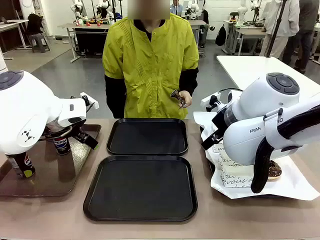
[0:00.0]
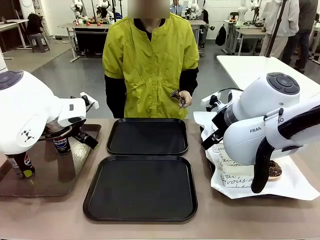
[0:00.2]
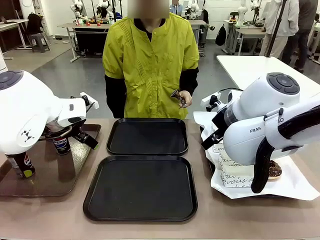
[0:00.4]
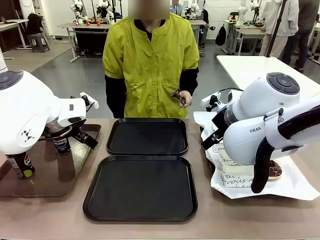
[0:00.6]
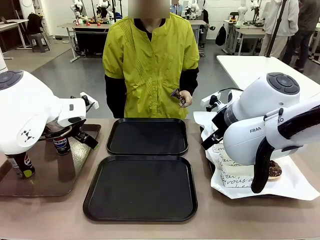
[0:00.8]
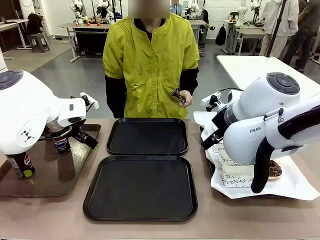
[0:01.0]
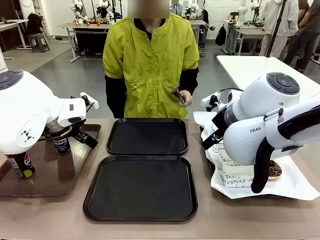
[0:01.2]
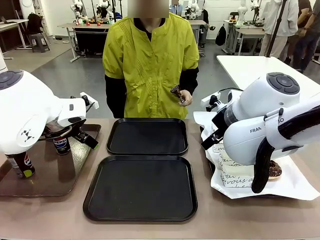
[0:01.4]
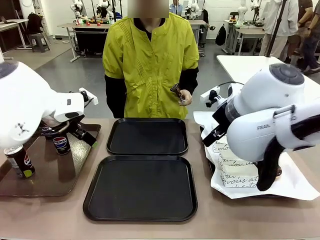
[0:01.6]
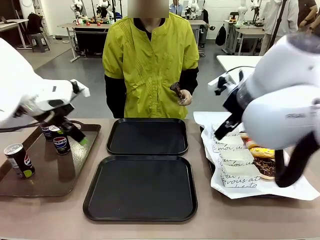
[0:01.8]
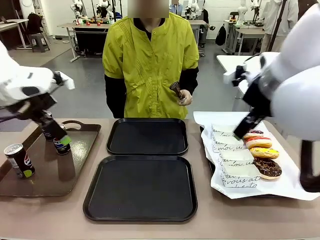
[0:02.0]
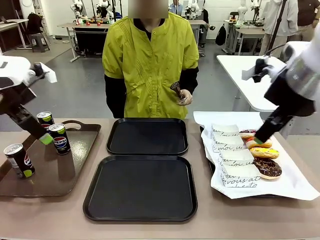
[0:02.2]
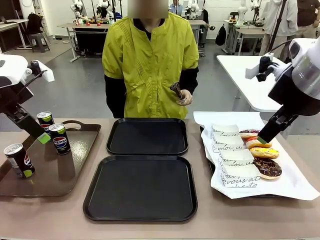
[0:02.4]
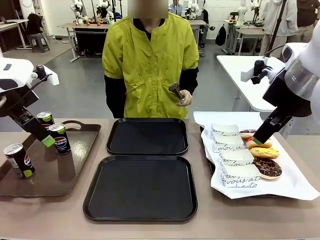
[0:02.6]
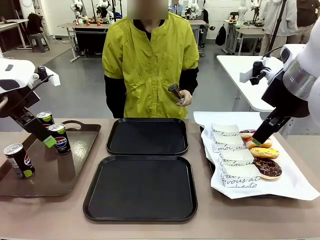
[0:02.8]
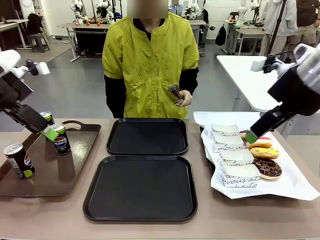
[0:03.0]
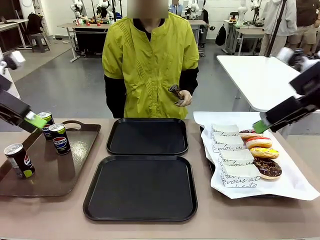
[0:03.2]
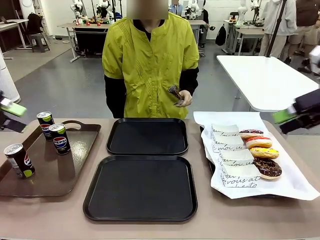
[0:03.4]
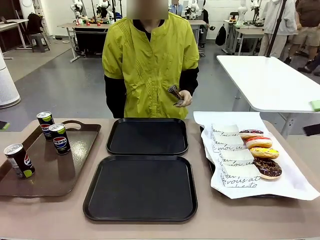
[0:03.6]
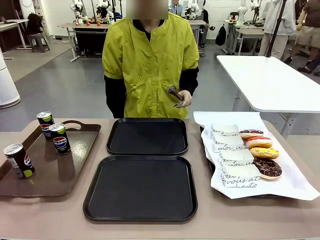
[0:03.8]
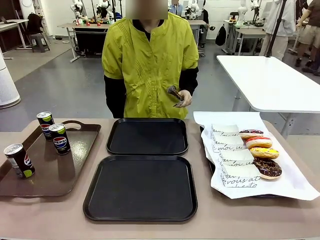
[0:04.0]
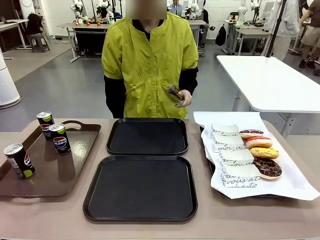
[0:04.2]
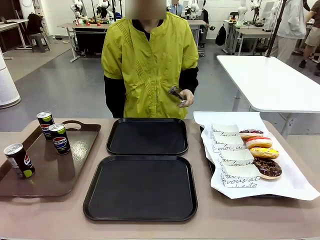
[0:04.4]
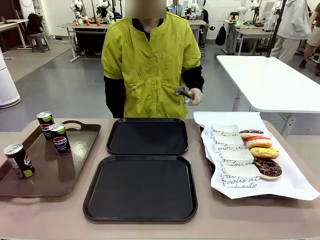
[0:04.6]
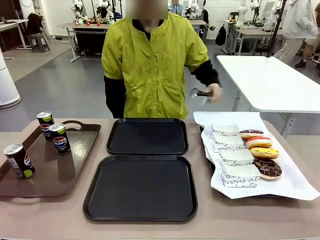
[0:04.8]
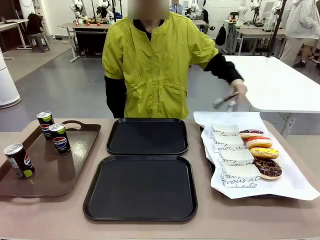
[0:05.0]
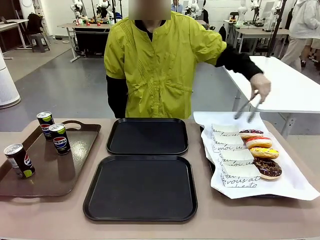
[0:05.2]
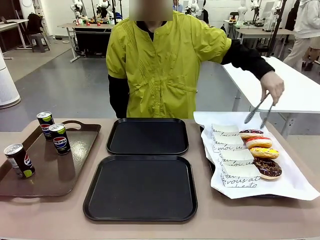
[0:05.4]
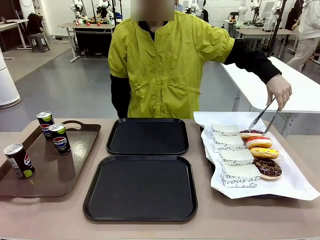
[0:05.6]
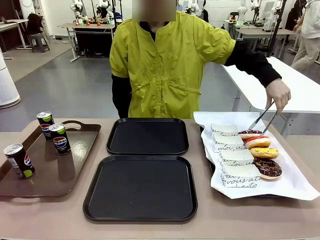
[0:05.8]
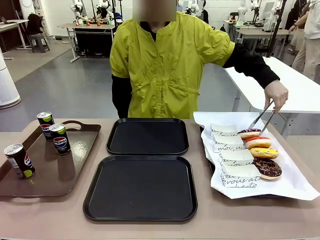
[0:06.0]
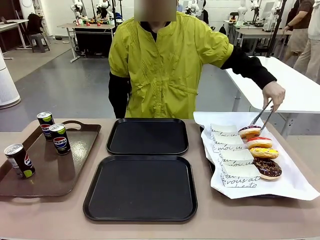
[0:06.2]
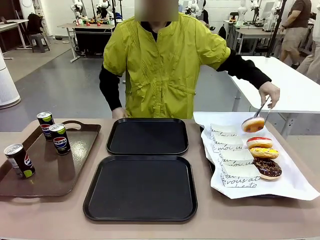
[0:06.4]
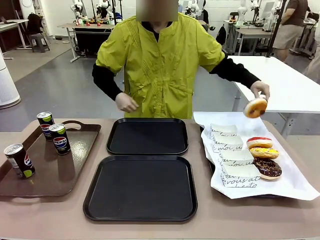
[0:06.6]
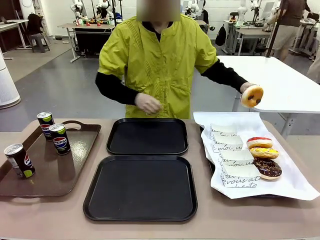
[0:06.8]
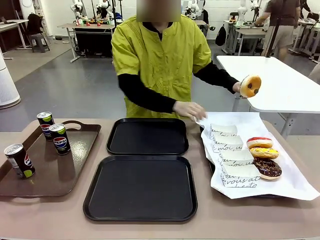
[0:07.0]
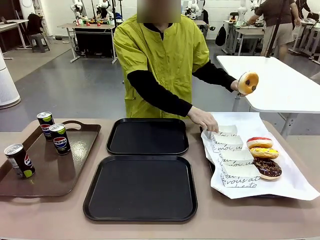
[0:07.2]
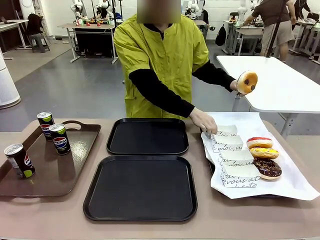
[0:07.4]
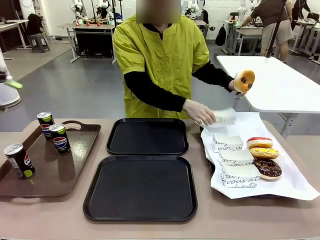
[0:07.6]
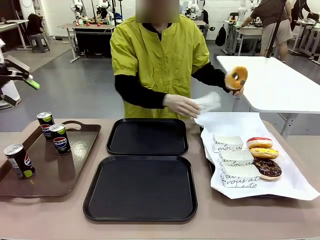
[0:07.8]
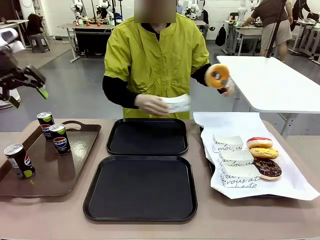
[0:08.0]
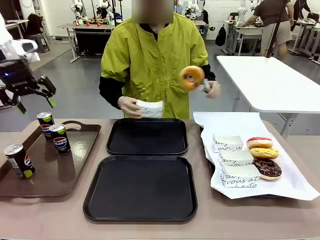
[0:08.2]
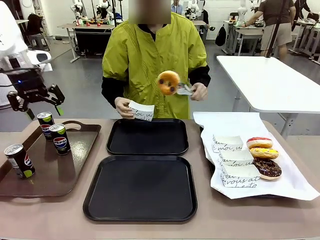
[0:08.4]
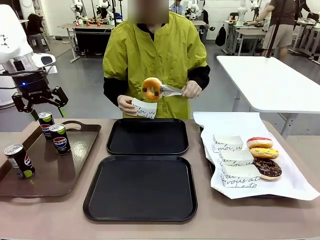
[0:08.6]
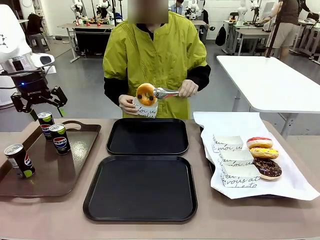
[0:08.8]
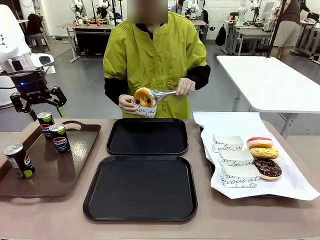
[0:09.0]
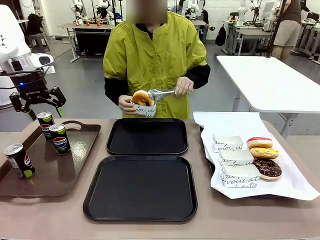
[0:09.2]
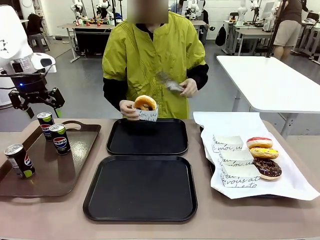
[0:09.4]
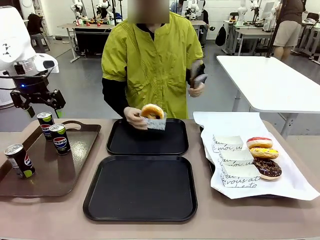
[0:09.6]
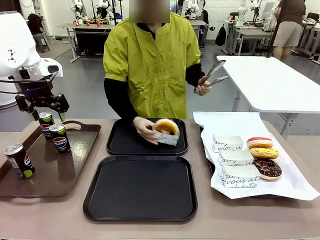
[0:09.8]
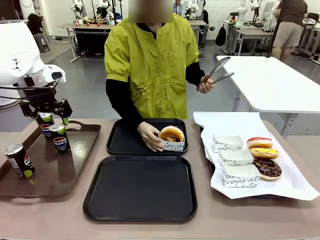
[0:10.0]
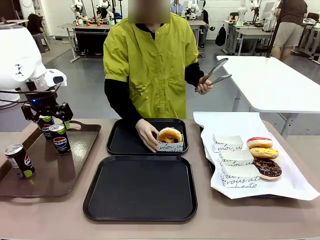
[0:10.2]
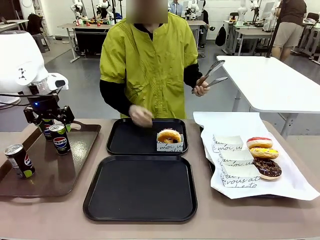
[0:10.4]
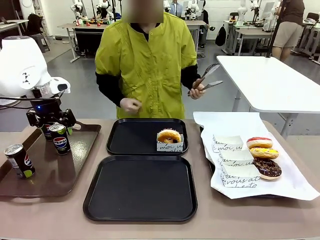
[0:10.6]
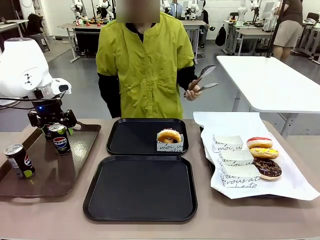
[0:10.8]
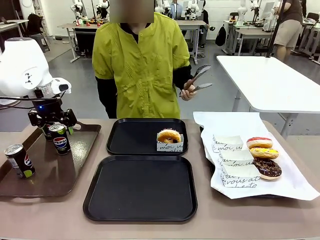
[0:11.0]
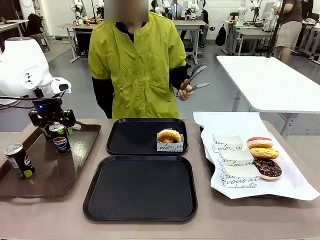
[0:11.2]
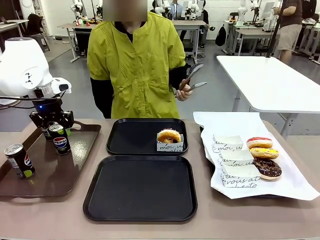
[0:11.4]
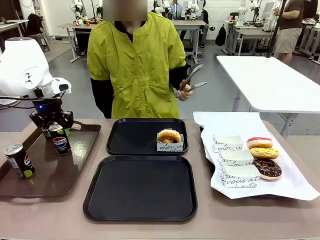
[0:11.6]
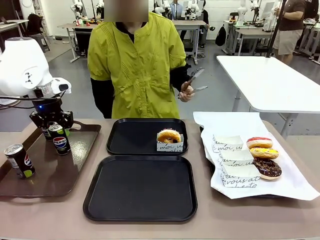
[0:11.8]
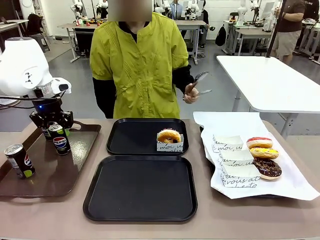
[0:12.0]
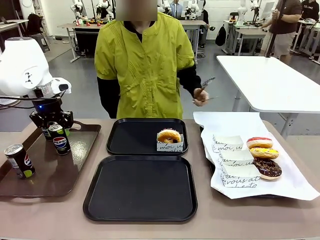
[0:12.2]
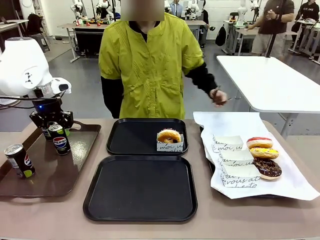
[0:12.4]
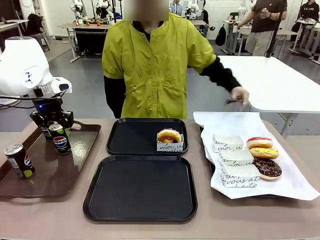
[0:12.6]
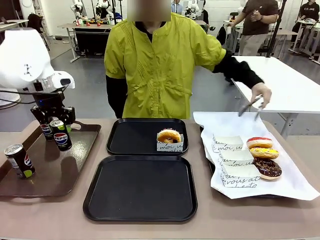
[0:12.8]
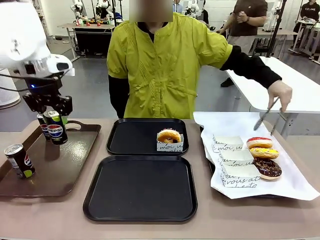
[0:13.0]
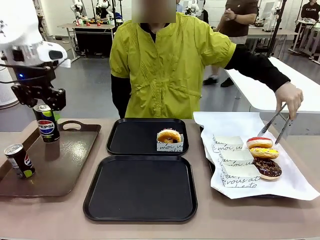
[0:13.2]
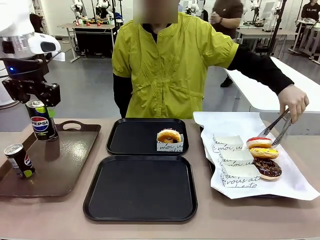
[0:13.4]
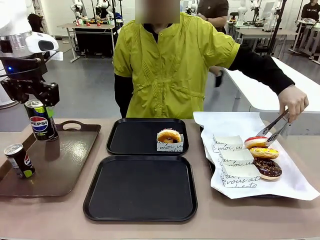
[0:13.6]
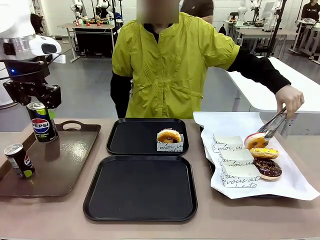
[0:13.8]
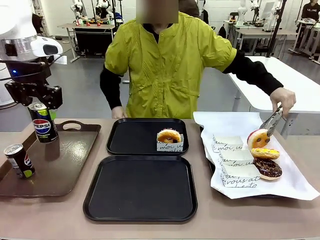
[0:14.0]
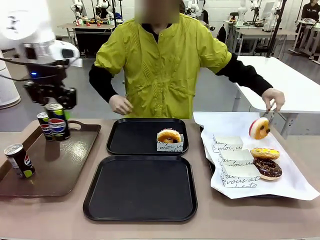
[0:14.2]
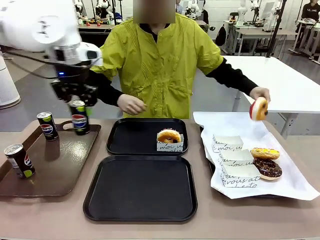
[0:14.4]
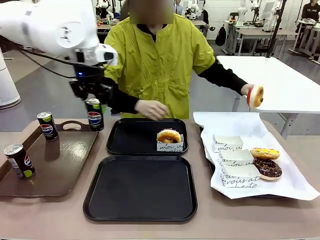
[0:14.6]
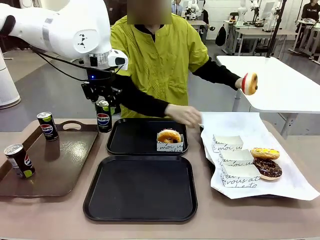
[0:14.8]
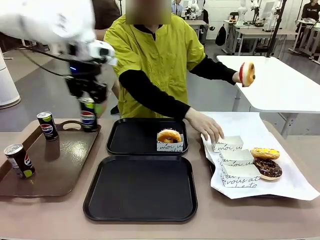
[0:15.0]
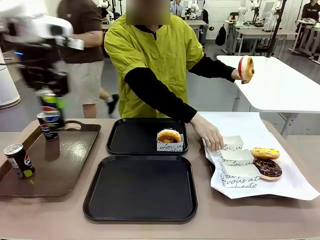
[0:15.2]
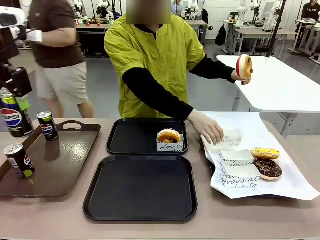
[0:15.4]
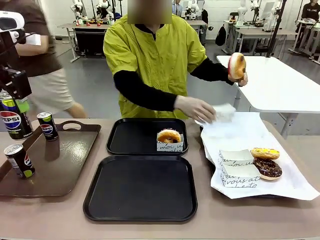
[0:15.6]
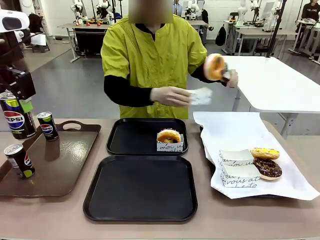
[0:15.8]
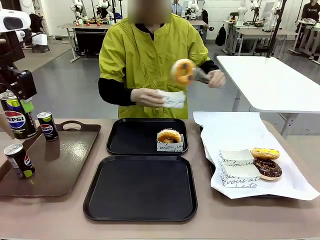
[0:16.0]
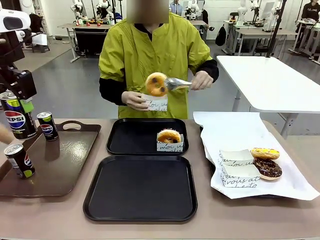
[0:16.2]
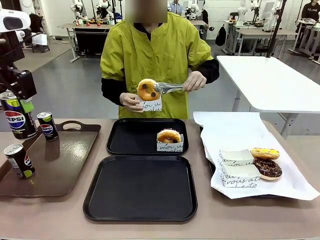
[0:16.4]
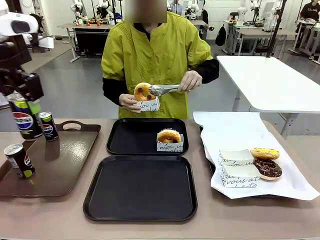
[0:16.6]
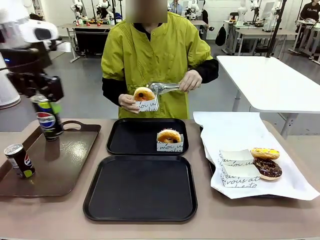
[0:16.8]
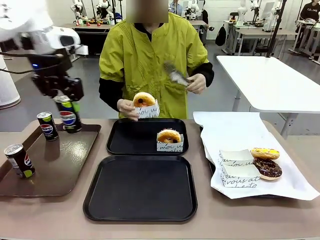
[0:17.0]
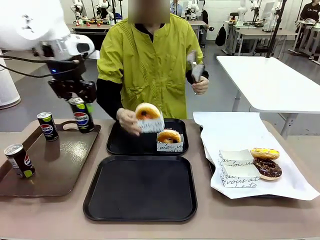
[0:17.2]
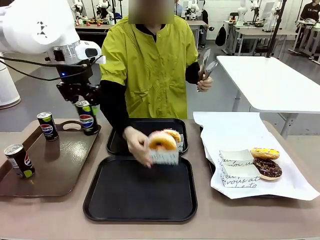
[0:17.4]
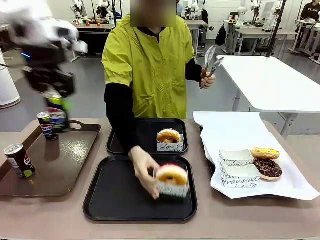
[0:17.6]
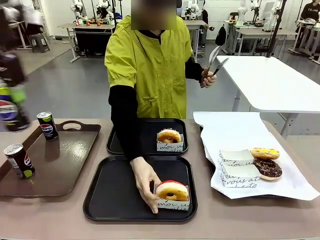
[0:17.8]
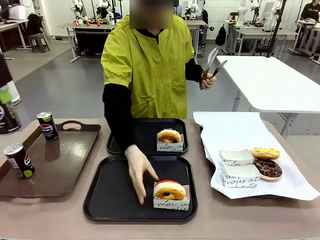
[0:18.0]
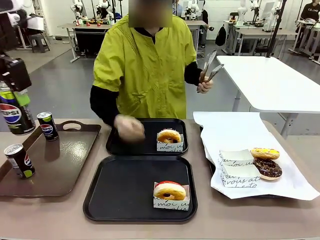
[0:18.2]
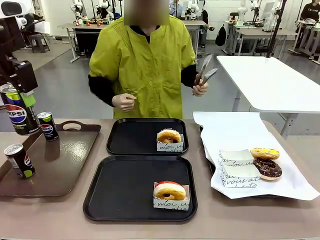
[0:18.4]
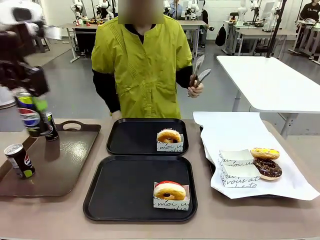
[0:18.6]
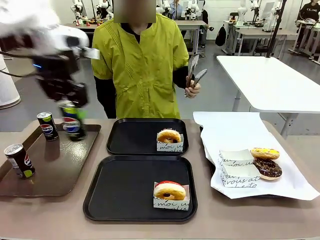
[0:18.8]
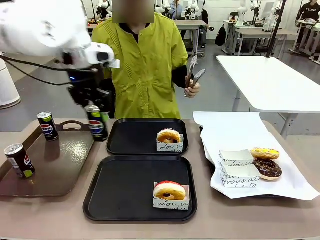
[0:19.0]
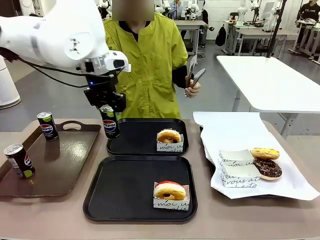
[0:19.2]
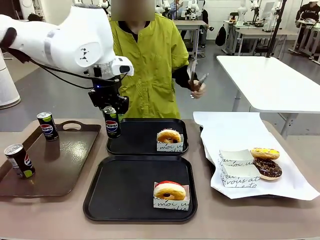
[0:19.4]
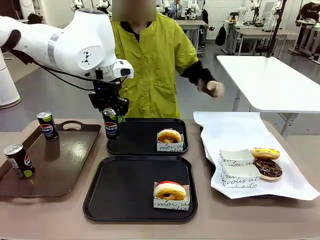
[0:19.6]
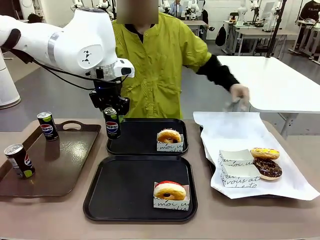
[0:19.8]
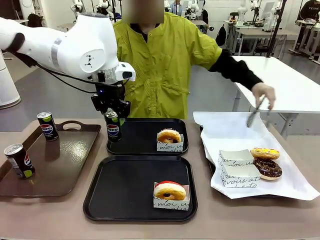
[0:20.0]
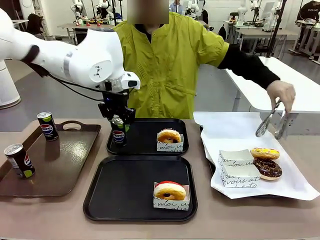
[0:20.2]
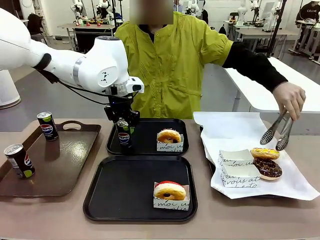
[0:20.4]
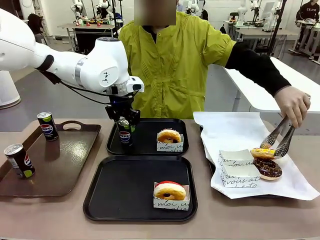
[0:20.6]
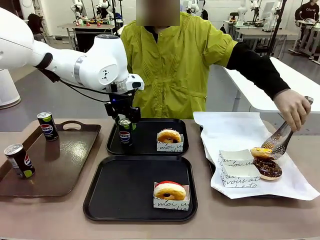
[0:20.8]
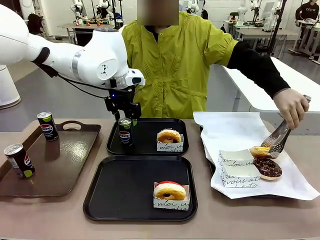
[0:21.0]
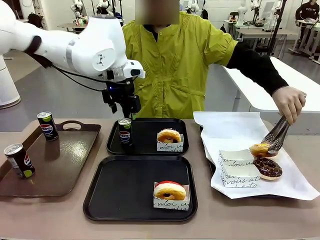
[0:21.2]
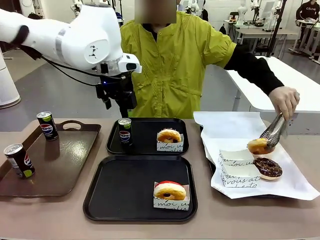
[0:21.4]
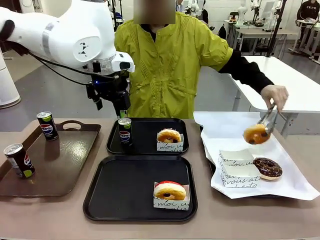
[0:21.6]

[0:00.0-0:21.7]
Task: Set up donuts and drinks on trays.
Robot: Pick up one Pepsi coke and place it on the Flat Tray.
Person: Pick up one donut with tongs, place it in the donut tray, and then place the donut tray on the flat tray.
